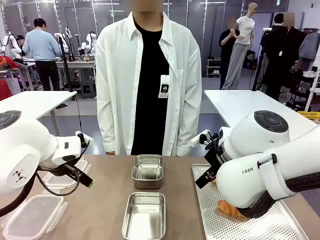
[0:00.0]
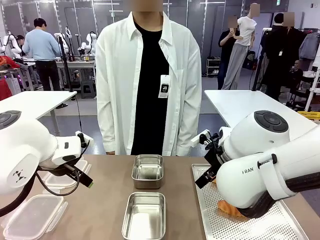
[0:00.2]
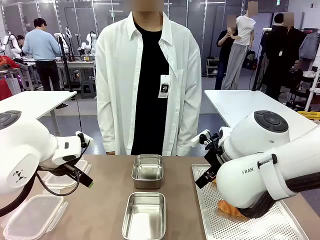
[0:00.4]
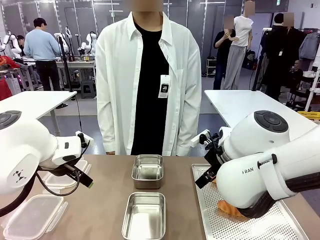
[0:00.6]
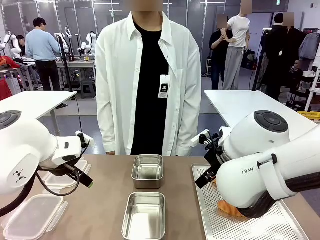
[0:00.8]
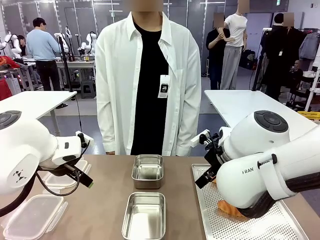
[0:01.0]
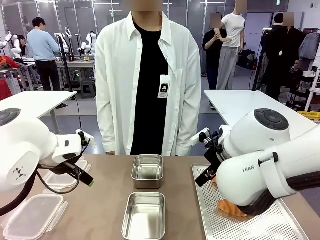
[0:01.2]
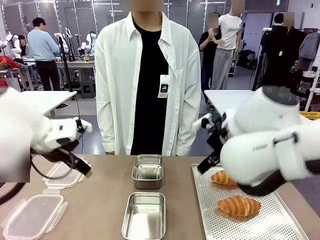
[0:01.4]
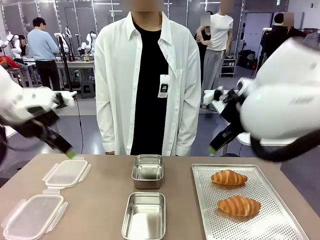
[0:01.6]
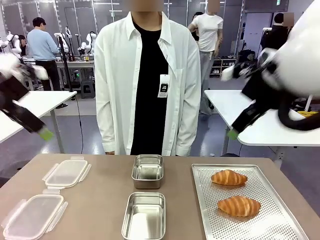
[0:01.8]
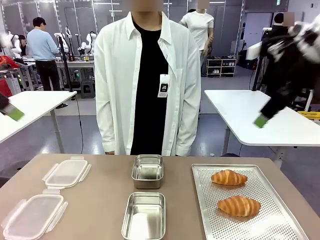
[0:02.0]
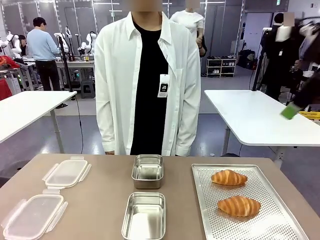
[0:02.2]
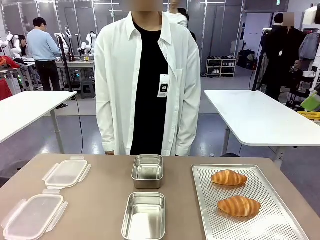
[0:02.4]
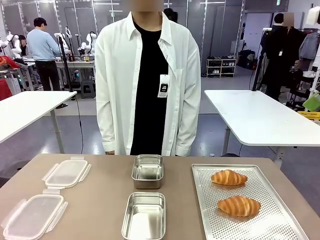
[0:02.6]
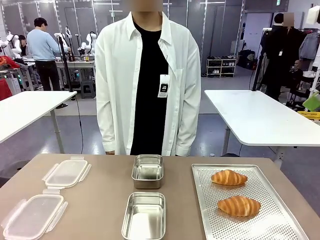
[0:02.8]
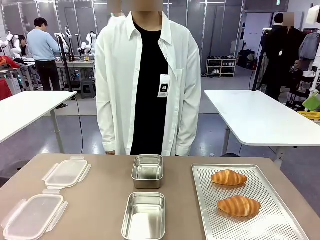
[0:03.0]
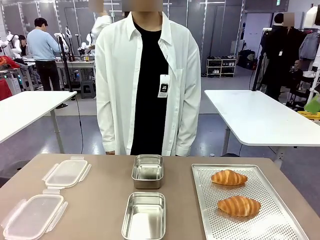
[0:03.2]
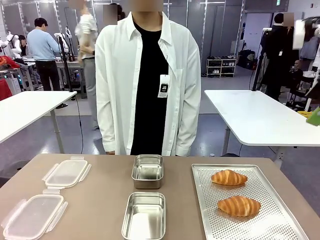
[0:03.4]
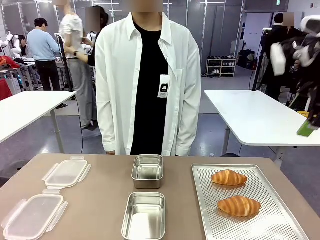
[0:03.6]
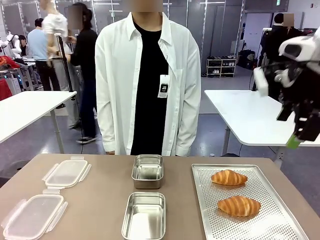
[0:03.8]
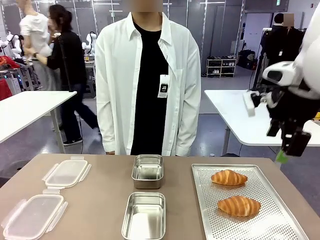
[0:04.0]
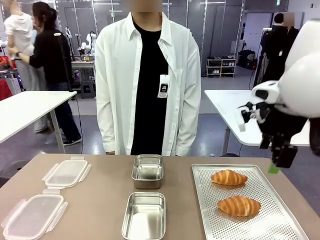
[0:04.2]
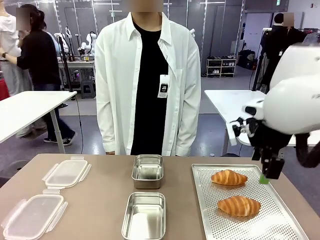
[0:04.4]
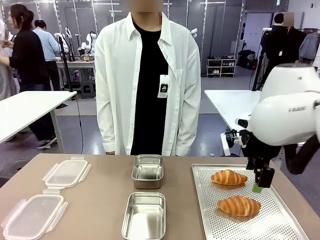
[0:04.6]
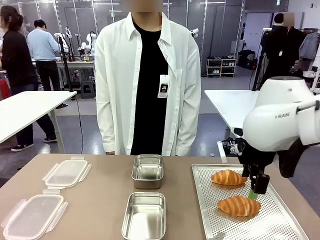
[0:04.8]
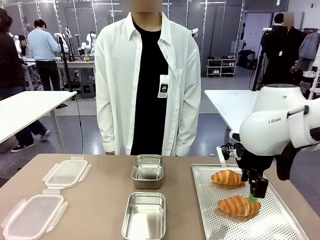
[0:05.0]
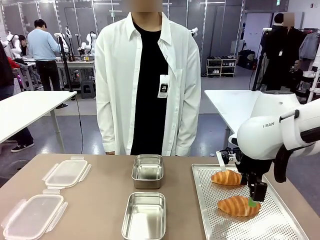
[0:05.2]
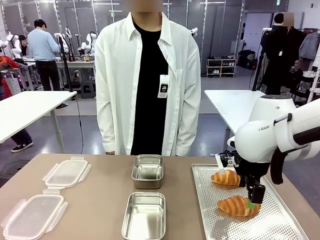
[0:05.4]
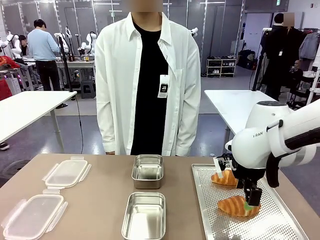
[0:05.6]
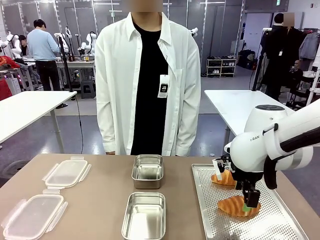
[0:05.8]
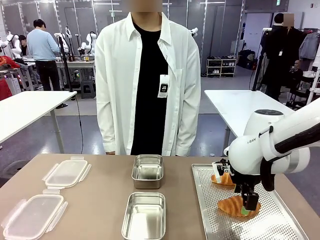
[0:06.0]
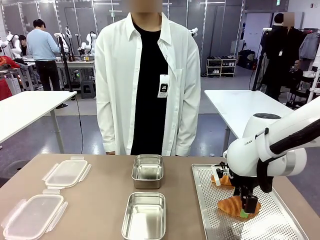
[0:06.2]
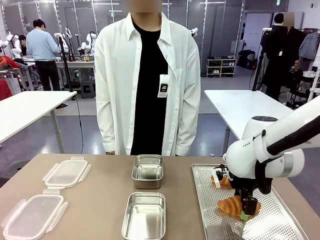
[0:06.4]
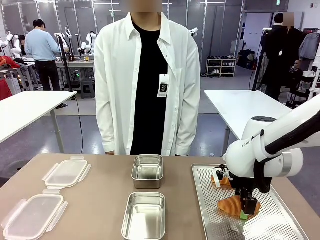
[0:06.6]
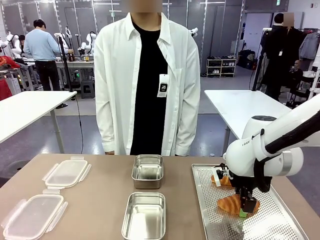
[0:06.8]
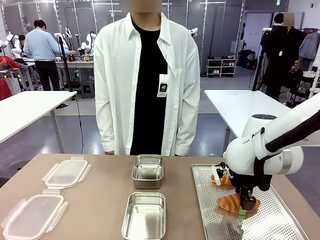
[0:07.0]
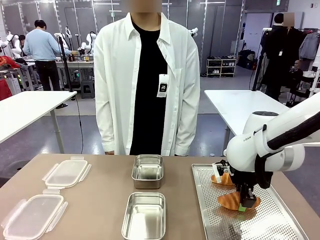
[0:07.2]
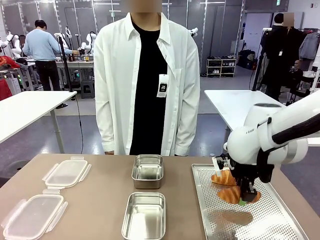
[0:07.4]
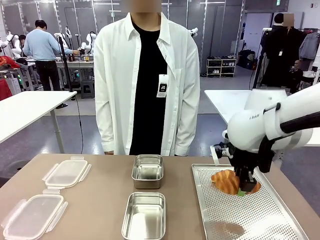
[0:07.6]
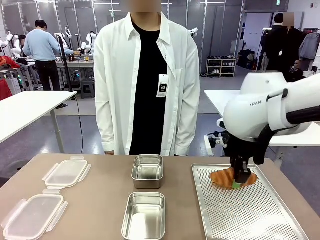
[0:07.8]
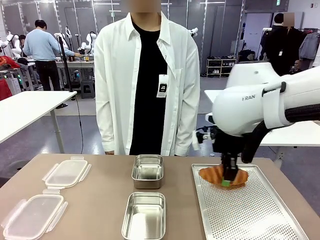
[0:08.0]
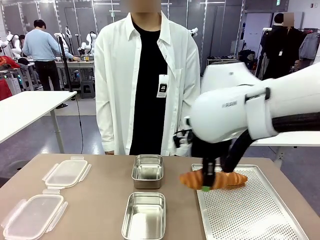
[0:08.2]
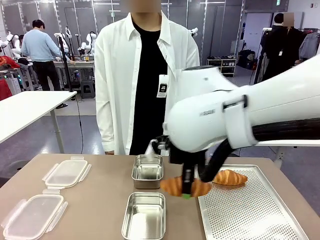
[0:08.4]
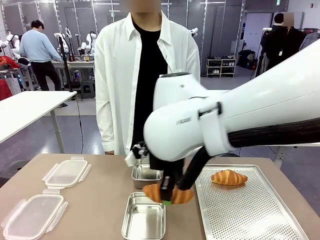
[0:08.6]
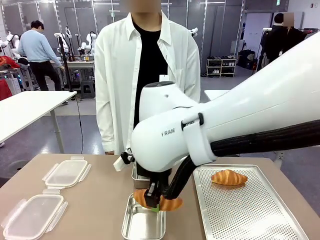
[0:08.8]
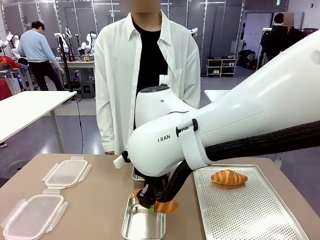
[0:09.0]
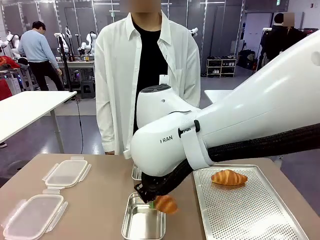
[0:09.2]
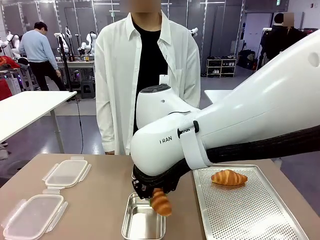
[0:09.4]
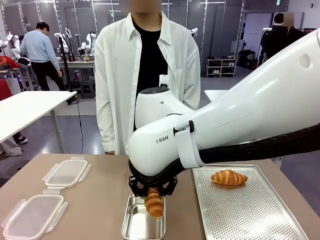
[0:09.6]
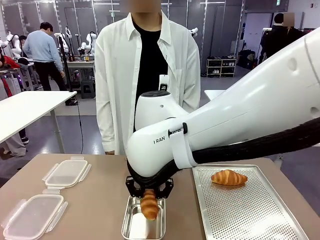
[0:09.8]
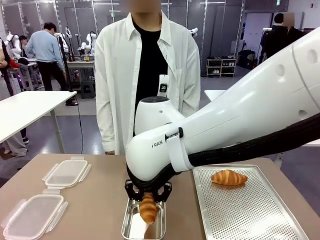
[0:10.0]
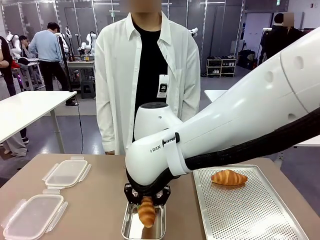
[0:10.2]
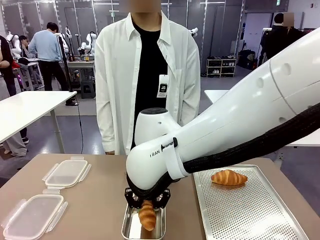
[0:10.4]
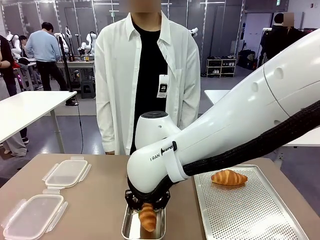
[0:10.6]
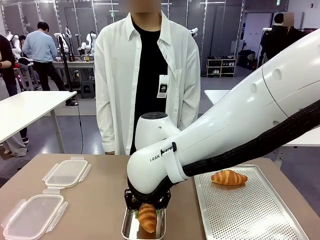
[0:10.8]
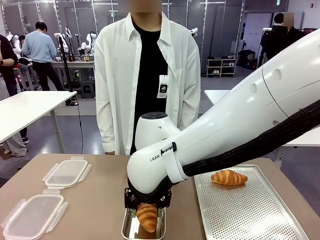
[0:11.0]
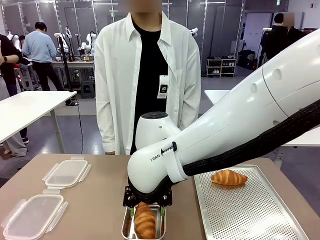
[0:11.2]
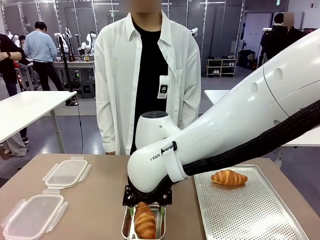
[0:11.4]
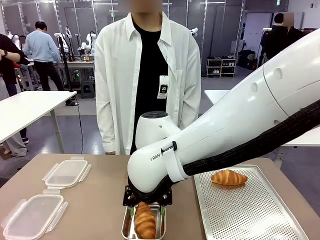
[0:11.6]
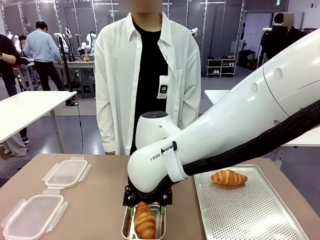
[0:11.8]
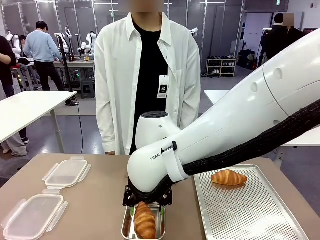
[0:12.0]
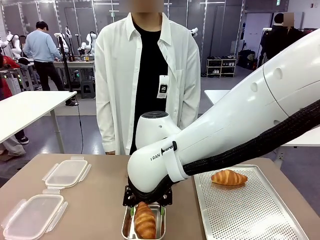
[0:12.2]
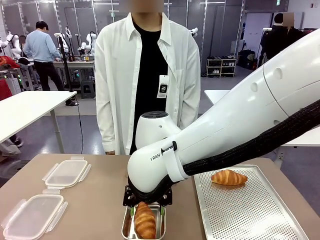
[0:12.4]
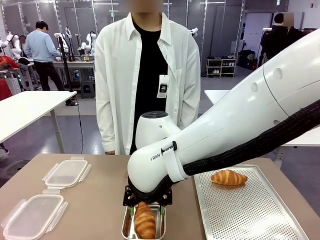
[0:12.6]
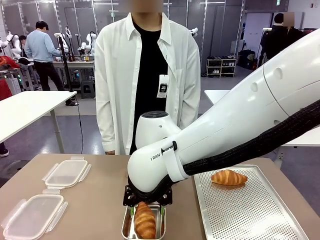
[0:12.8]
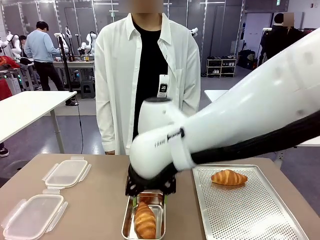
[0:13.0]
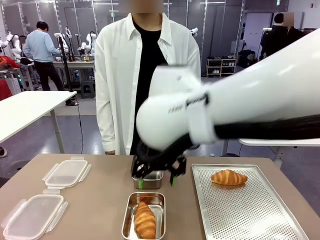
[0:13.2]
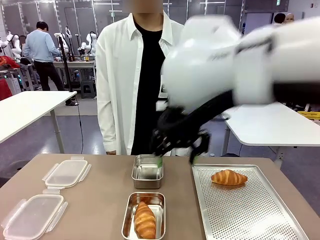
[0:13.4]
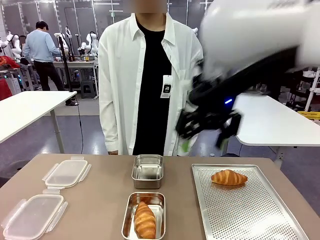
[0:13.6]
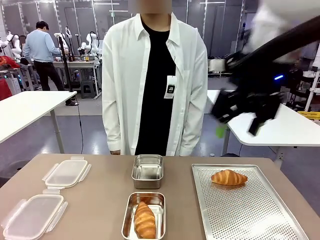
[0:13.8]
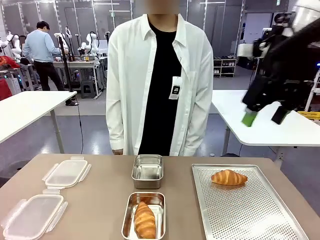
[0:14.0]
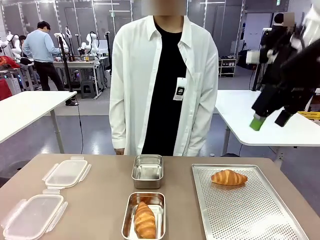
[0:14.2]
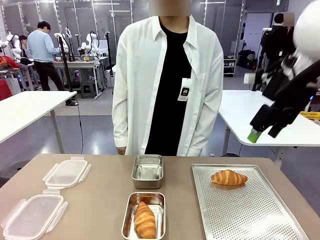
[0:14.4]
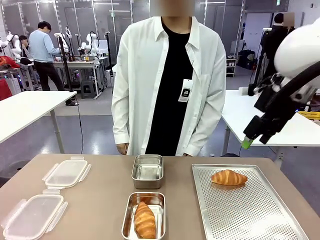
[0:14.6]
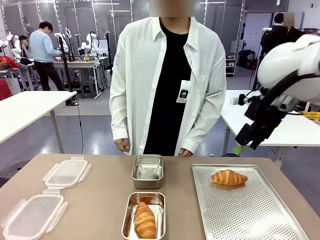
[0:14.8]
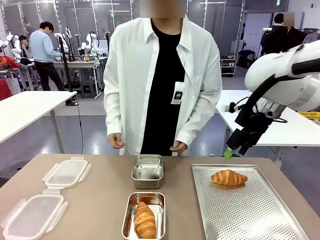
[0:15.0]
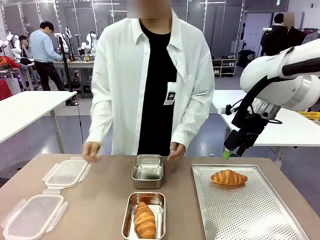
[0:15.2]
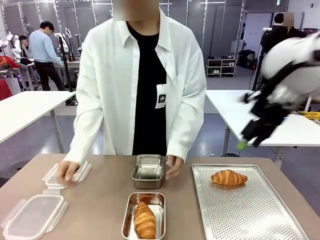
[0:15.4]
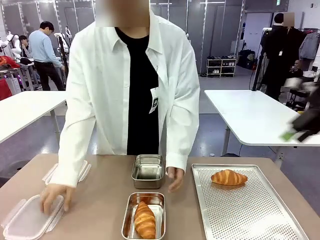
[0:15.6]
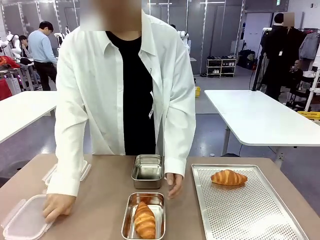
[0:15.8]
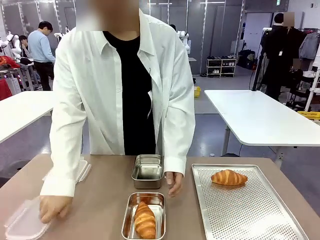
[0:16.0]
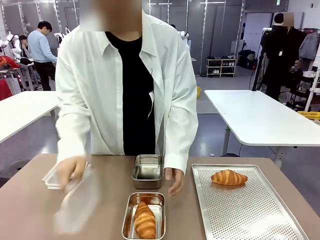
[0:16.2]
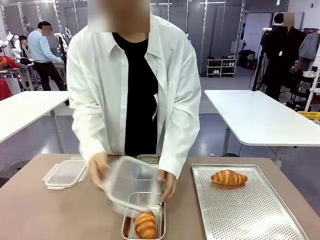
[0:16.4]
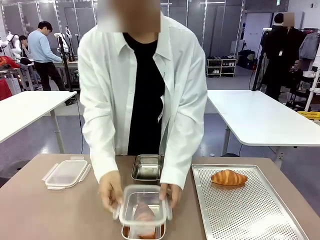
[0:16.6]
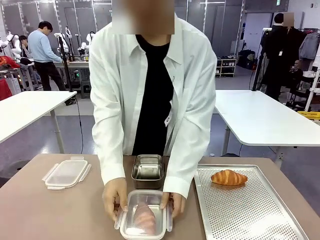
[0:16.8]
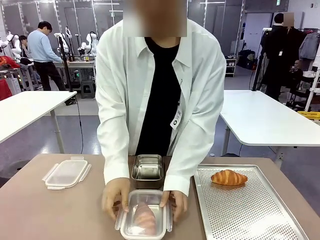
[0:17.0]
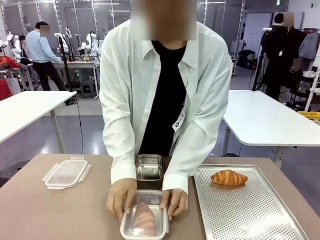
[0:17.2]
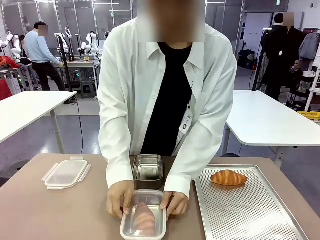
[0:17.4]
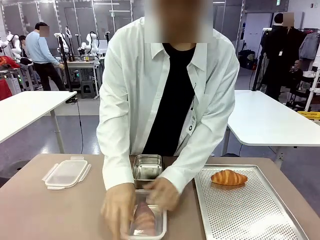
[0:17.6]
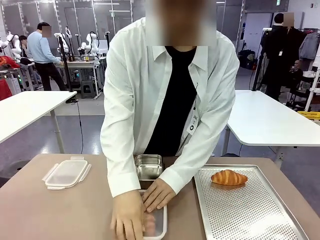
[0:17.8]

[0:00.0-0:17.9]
Task: Place the bread into the airtight container.
Robot: Pick up a Butter Roll and place it into an empty Airtight Container.
